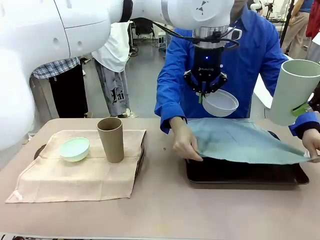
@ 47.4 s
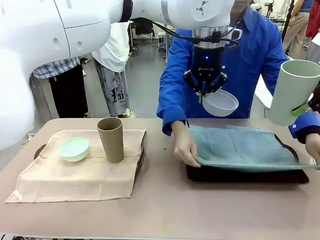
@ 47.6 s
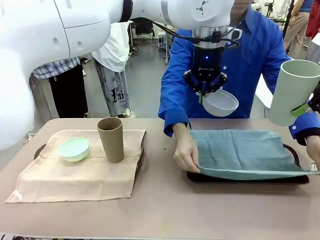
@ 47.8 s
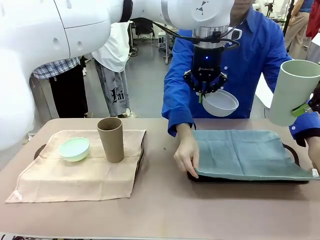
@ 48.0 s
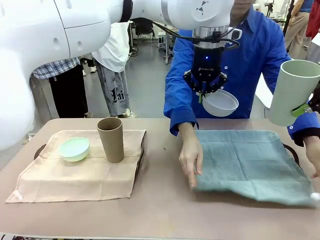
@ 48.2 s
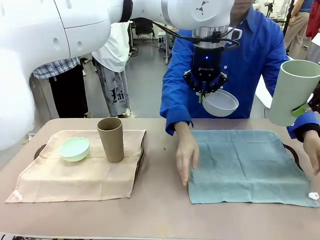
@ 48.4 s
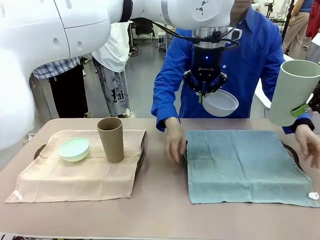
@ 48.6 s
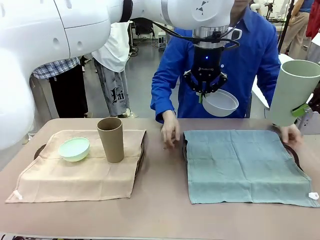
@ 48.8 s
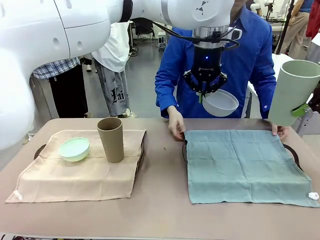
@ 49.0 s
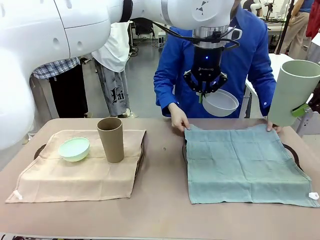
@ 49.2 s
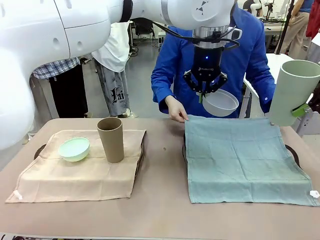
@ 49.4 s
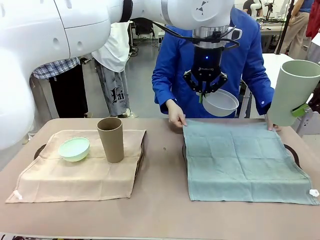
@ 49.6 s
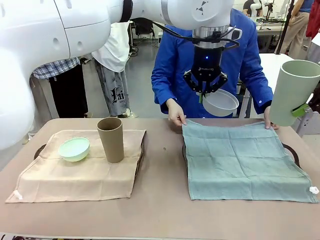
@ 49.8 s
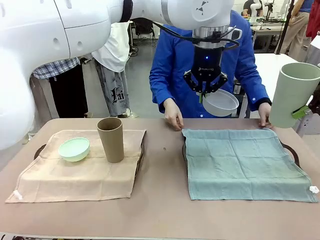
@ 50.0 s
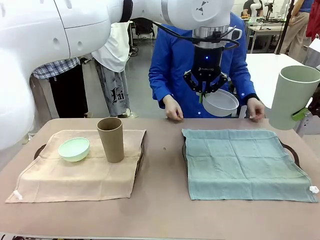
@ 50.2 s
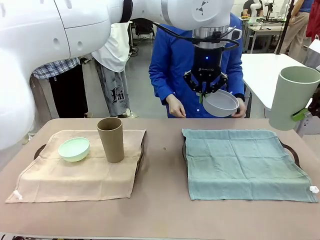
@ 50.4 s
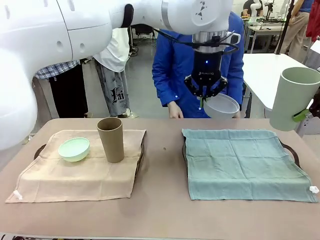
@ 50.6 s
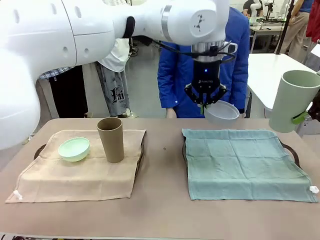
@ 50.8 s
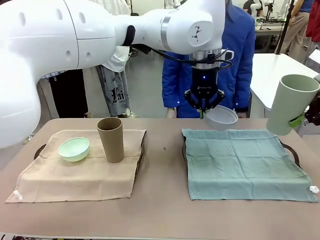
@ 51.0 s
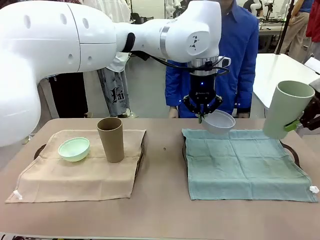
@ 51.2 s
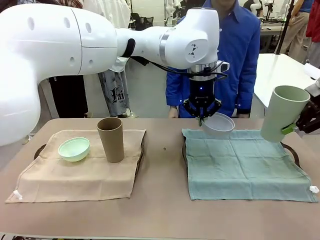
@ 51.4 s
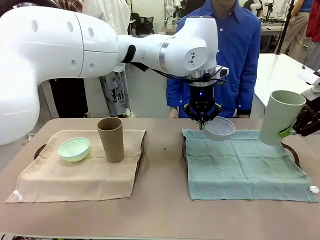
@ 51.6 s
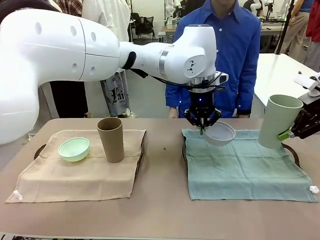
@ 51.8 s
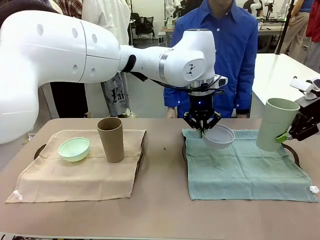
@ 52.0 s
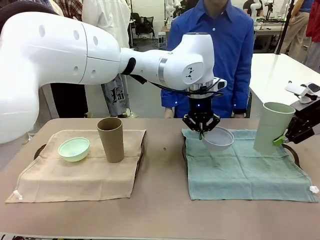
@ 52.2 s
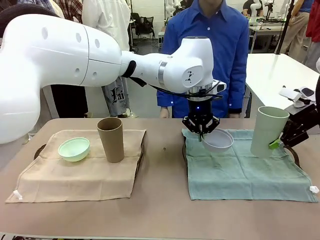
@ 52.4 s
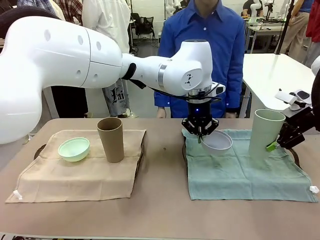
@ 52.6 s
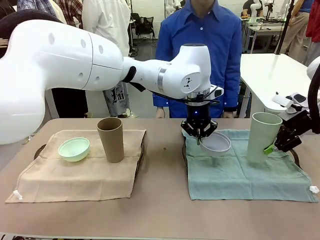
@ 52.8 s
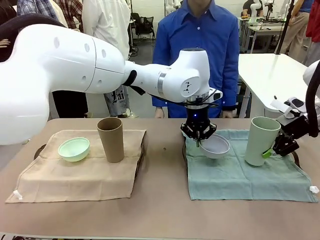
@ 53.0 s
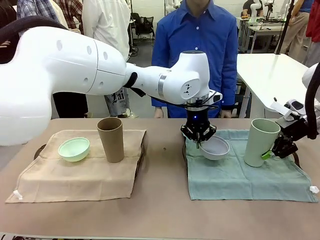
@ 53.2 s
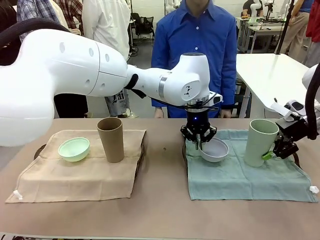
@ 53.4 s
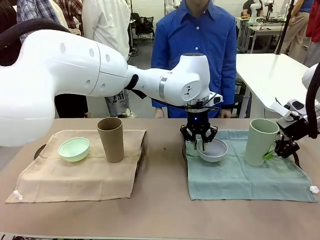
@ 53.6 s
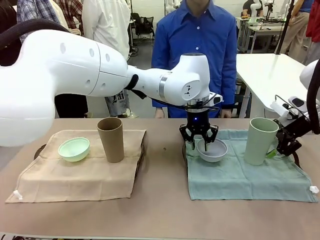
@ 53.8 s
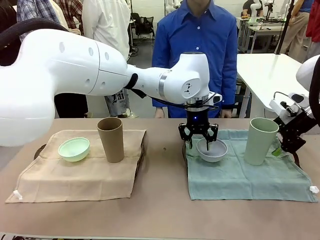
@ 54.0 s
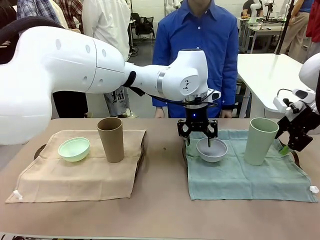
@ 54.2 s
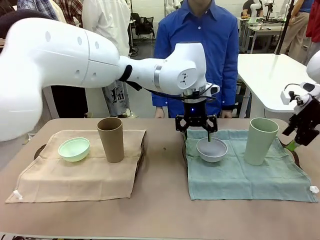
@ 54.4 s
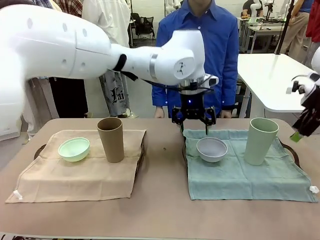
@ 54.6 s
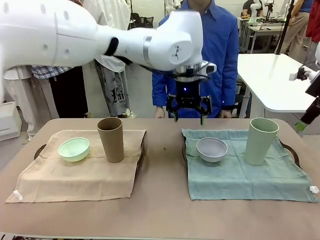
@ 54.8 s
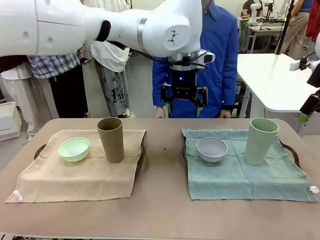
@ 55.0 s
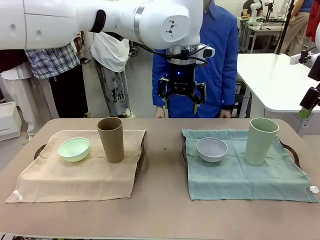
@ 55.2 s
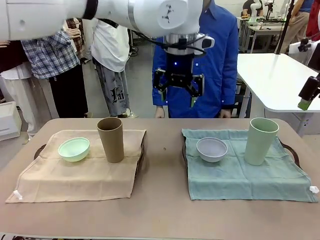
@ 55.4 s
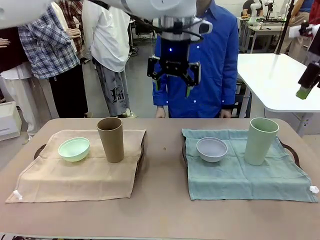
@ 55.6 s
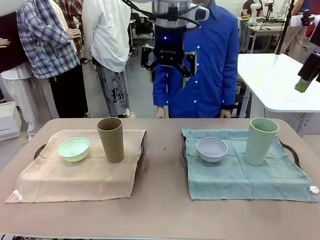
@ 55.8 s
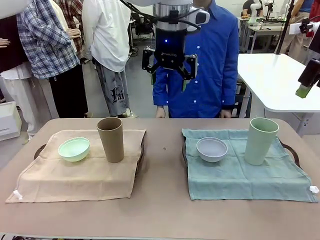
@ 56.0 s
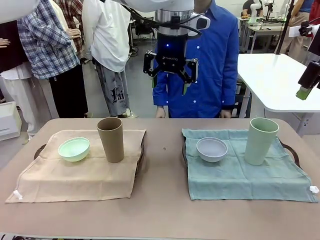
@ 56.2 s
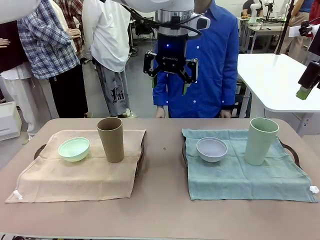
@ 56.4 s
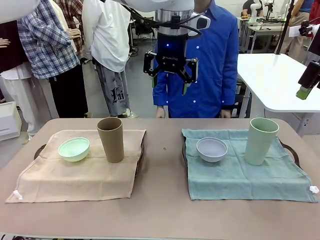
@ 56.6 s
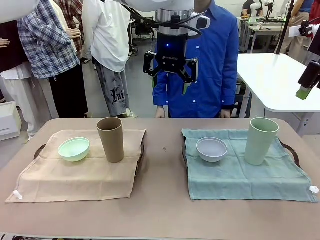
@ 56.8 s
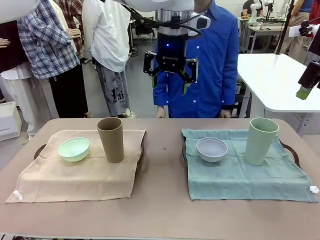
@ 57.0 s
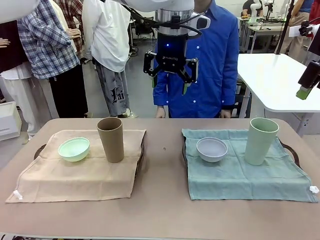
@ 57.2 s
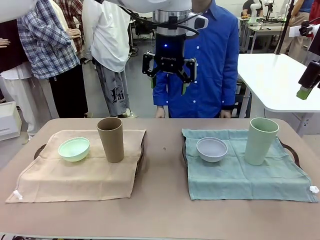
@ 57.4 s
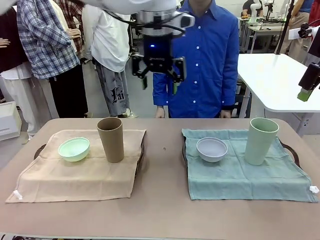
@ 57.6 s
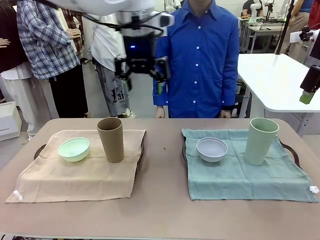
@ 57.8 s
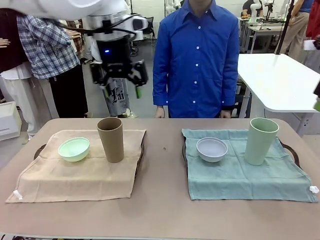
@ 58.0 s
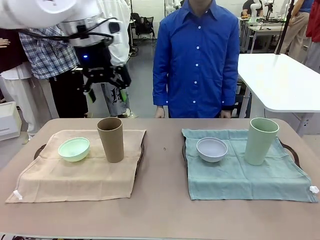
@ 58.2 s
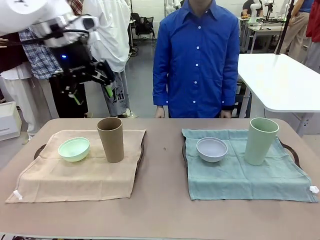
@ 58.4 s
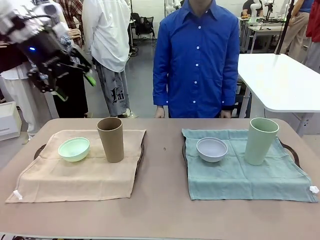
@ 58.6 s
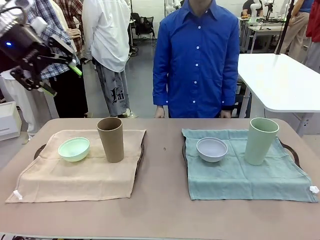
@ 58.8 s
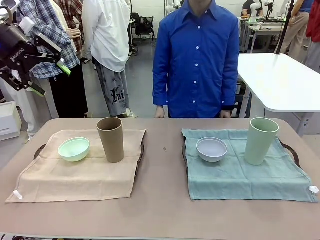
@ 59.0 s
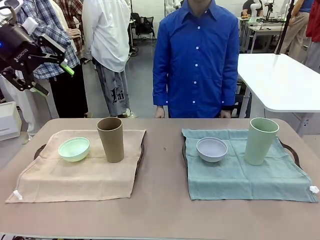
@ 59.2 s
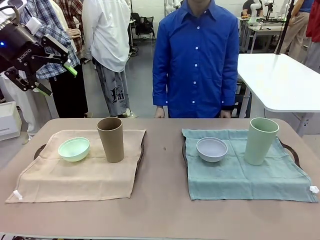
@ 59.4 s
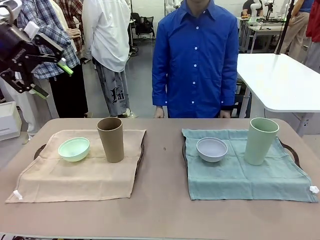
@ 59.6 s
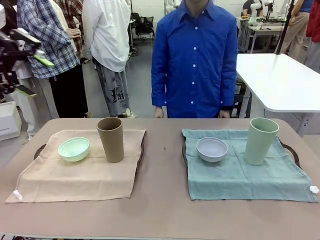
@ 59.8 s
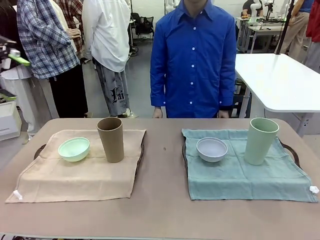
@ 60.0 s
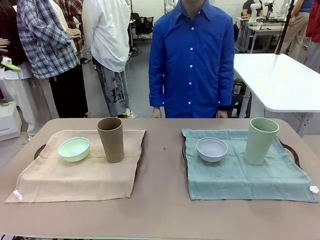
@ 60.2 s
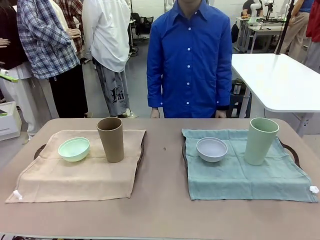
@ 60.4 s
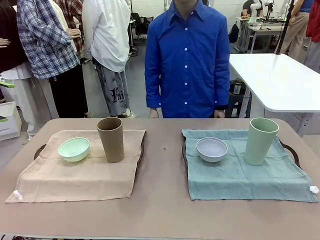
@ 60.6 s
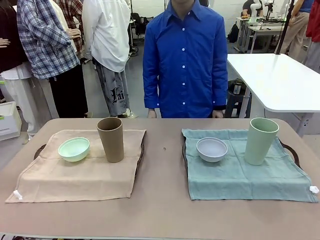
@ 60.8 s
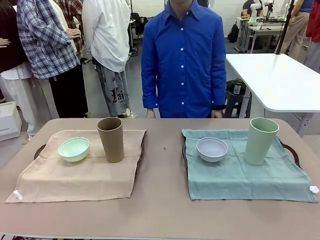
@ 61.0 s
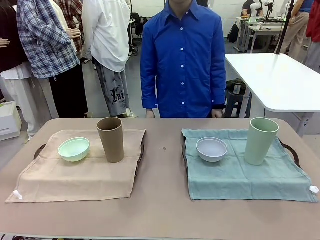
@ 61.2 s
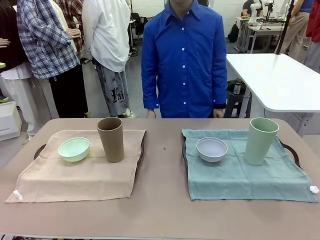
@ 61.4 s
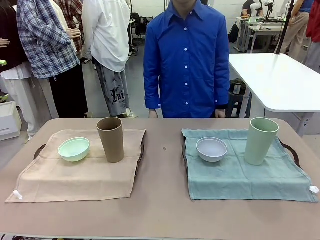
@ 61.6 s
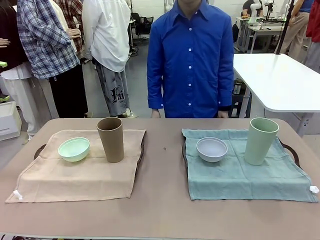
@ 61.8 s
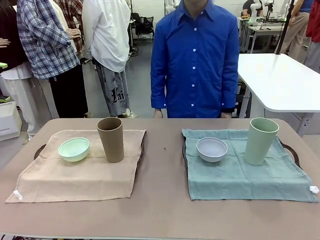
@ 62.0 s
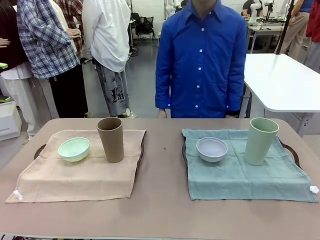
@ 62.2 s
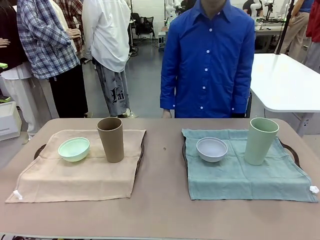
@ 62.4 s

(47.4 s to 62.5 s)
Robot: Place the Picnic Bowl and Reusable plastic cup back onto the Handle tray in front of the human's position.
